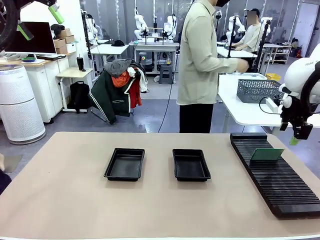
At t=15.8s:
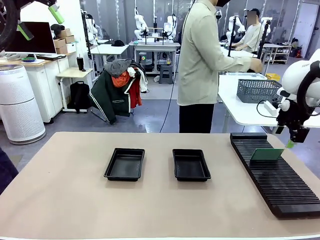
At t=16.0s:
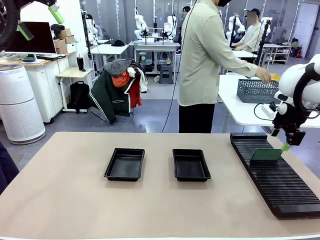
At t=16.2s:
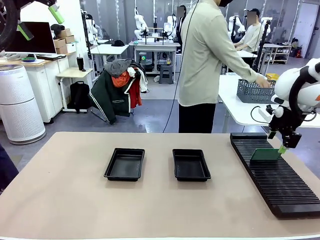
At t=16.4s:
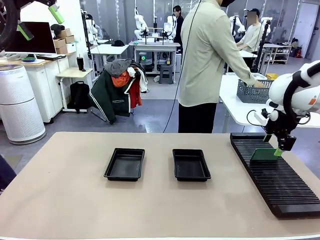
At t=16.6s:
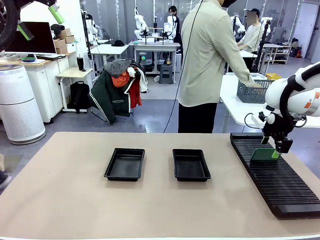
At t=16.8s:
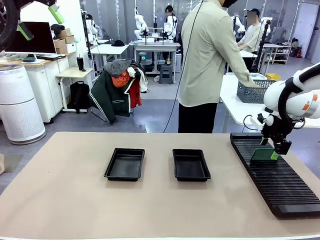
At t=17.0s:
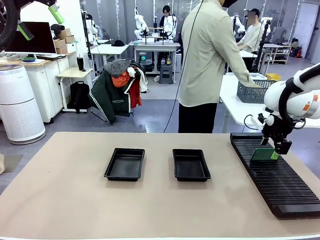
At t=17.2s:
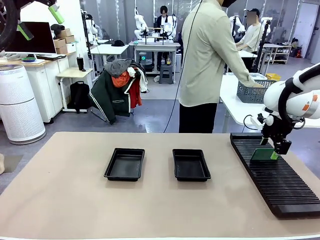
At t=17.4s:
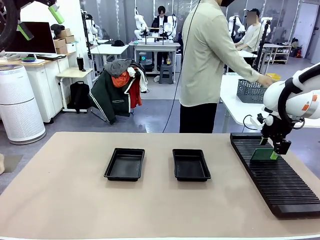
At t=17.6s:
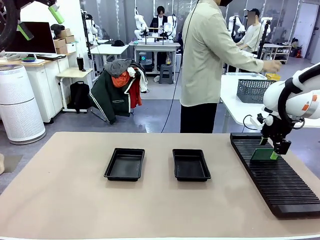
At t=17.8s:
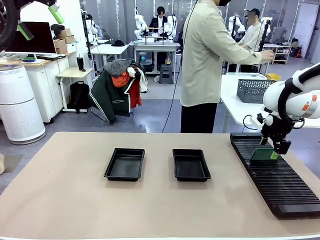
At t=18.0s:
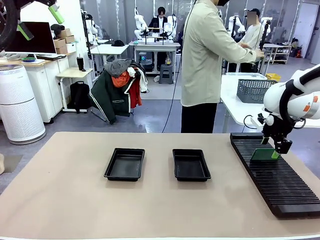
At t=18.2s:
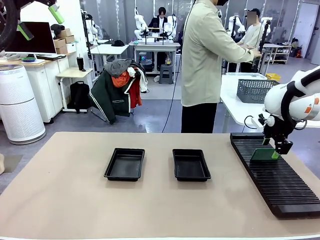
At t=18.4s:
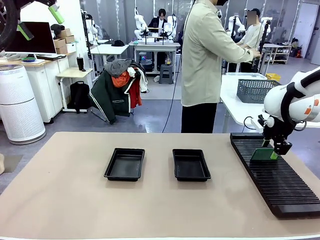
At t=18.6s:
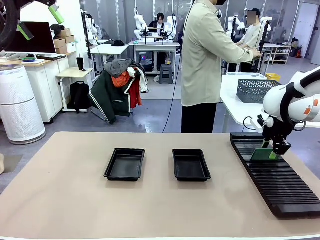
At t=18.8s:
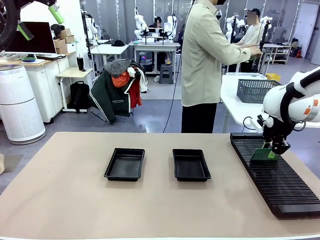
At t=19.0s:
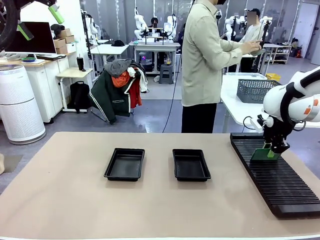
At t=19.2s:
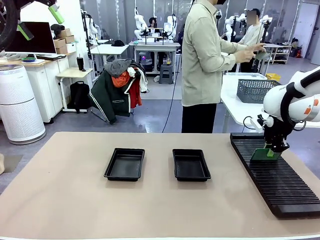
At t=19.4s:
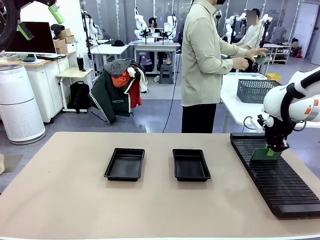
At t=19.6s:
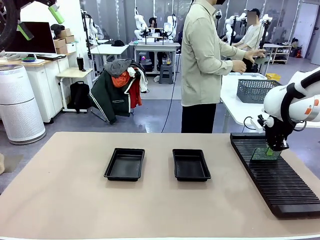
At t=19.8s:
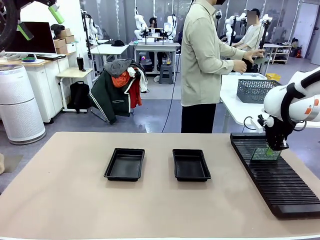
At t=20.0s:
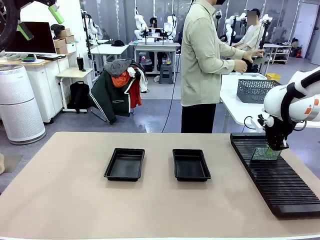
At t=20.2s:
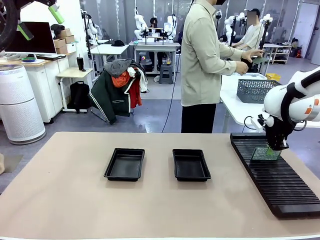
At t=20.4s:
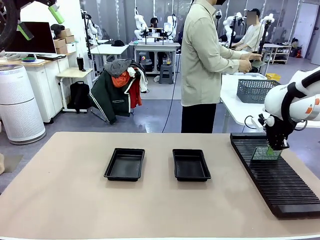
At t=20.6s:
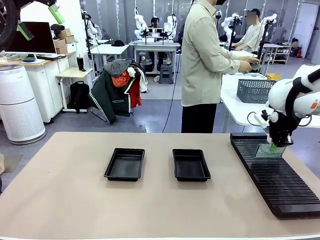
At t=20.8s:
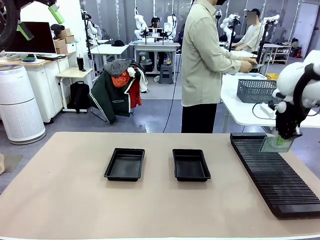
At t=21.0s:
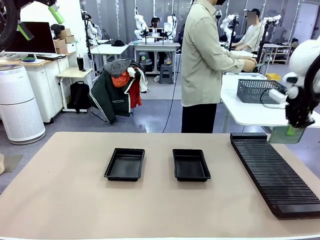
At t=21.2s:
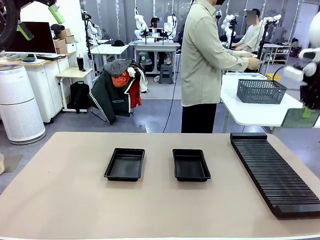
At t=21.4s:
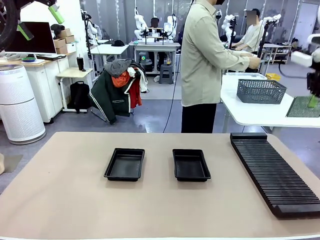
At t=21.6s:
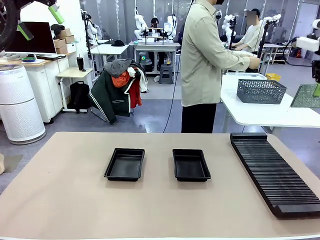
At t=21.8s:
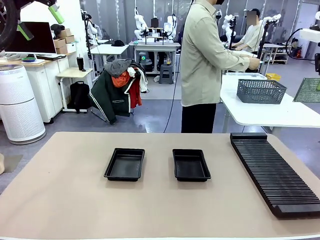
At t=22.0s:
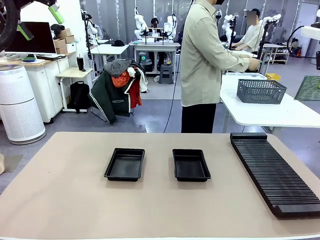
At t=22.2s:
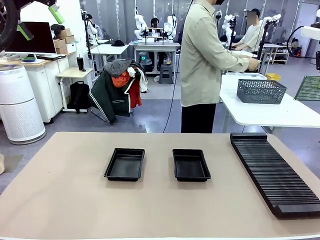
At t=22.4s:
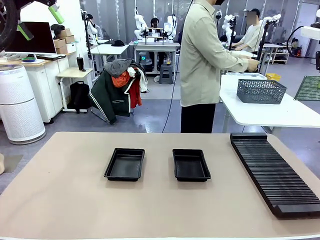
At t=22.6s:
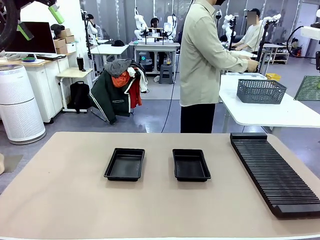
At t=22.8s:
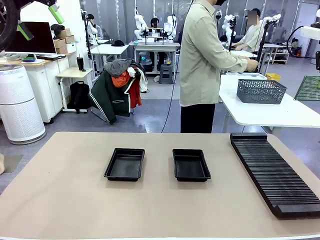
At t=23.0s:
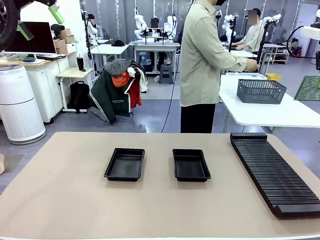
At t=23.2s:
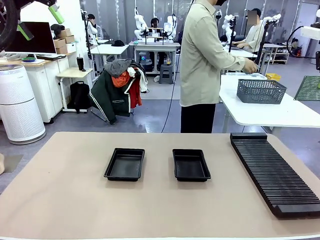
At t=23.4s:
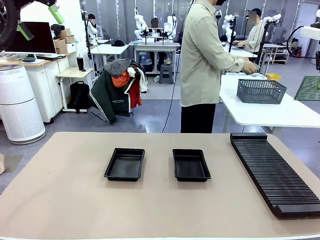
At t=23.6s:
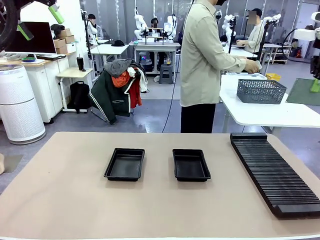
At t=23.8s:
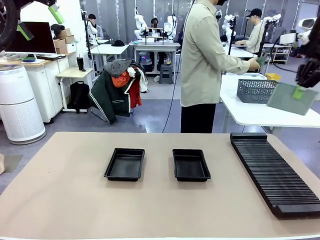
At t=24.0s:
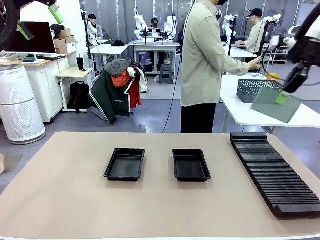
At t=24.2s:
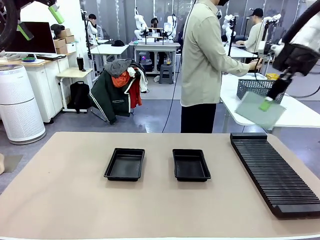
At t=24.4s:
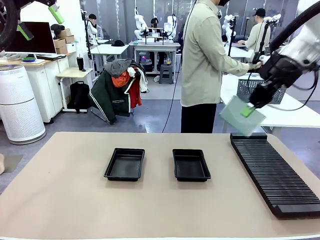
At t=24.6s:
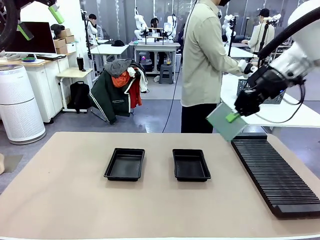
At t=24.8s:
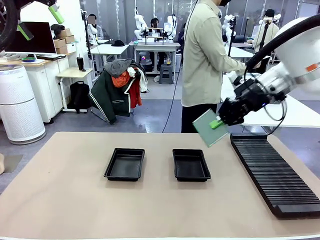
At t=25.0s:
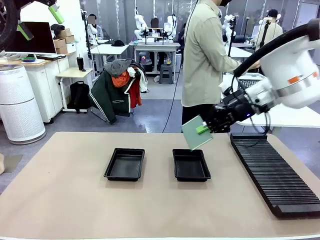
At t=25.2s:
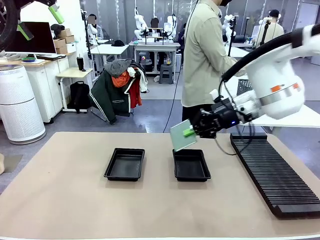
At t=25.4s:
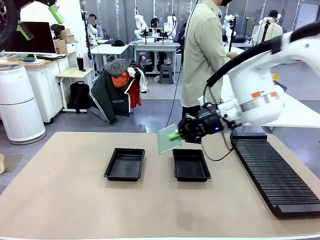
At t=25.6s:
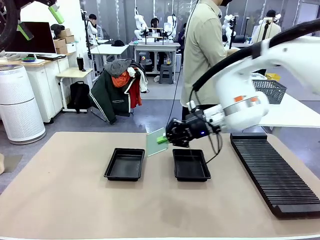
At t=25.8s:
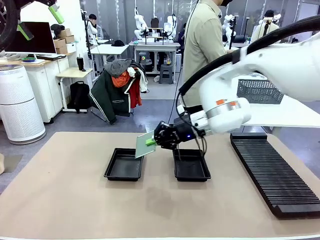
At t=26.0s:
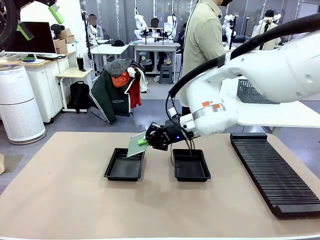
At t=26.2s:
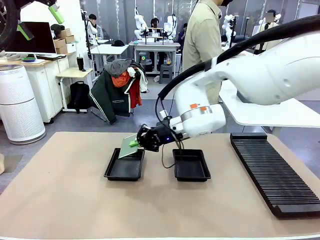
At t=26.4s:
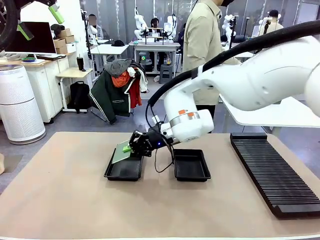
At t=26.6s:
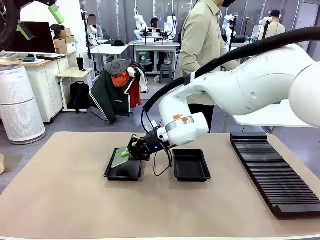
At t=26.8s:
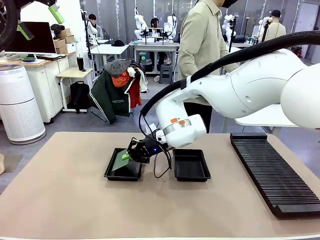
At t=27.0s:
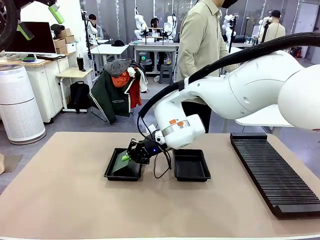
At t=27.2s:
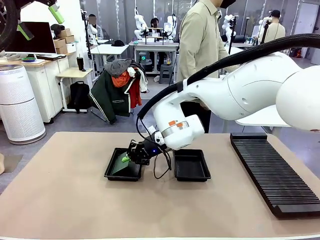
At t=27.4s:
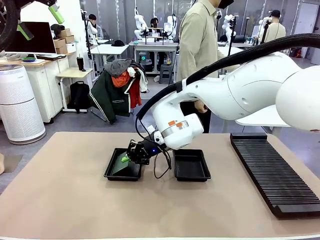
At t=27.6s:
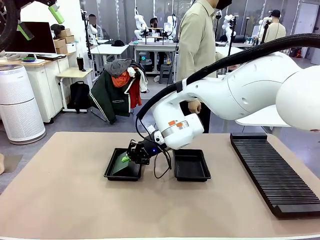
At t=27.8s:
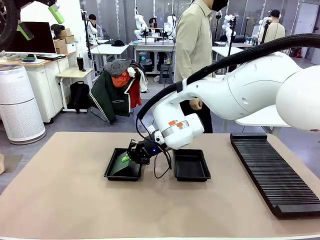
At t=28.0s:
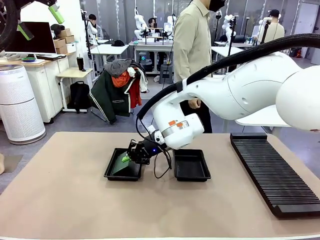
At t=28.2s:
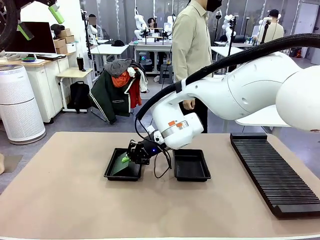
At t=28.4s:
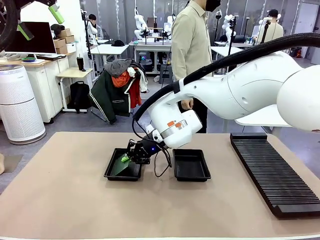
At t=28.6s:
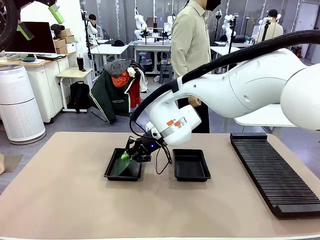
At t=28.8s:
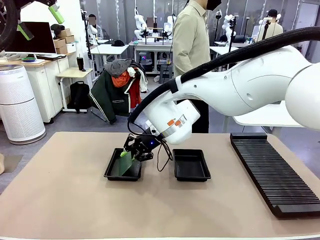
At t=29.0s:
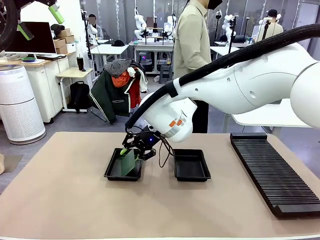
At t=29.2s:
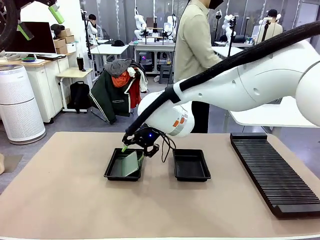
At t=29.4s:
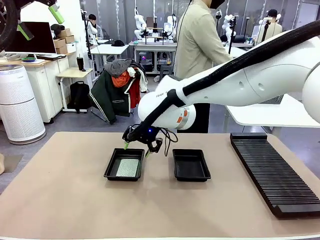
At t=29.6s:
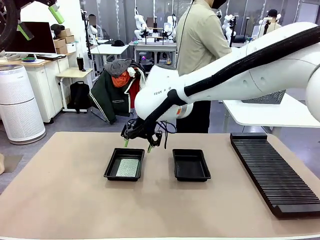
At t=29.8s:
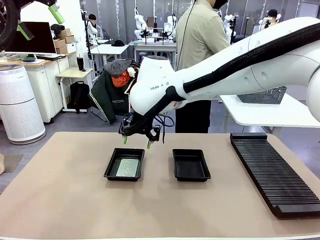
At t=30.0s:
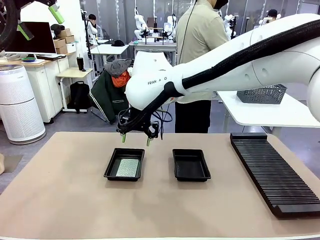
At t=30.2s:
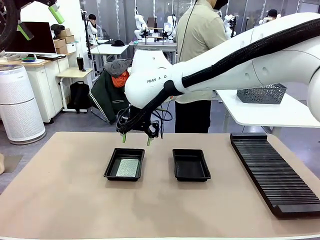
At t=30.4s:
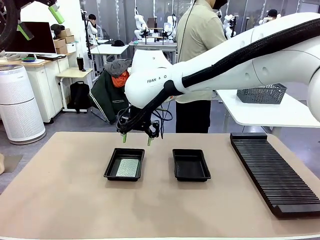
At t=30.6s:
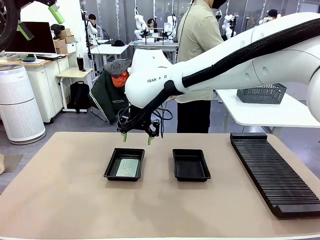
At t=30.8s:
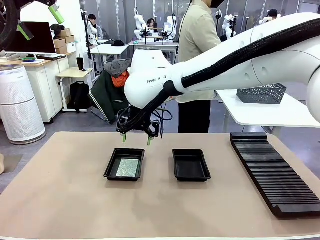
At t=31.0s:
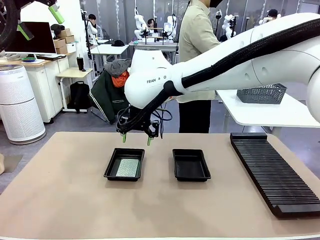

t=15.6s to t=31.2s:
Task: Inspect and transfer BCBs to ESD trays.
Robot: Pick up the Blank PCB from the PCB Rack and place it in the left ESD tray.
